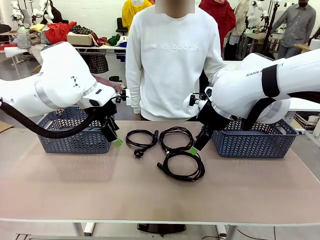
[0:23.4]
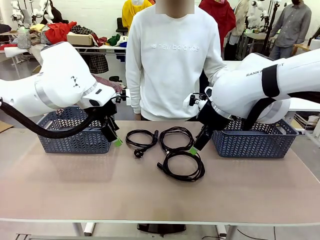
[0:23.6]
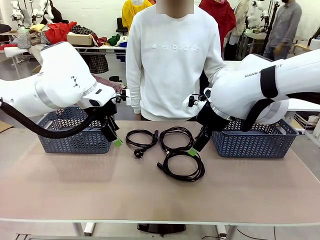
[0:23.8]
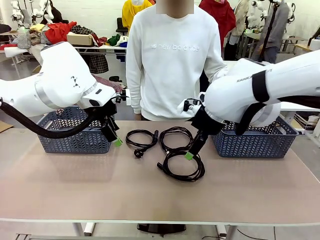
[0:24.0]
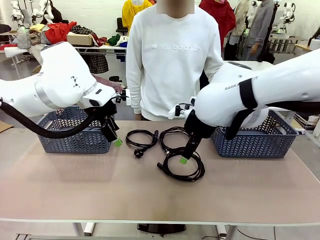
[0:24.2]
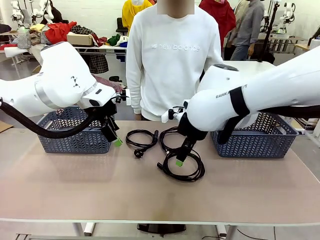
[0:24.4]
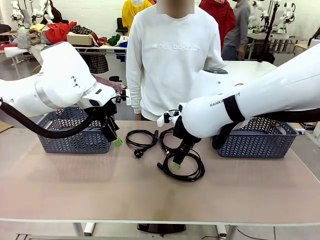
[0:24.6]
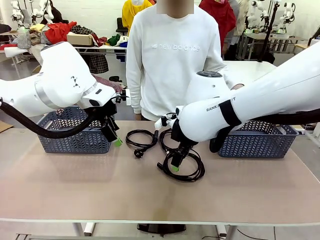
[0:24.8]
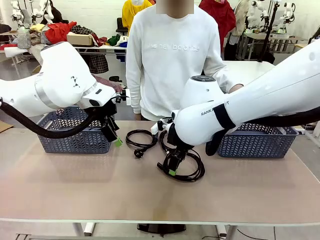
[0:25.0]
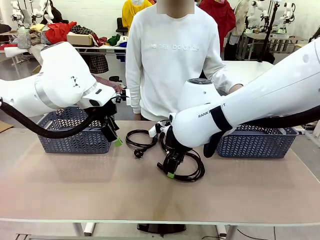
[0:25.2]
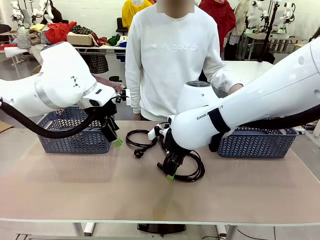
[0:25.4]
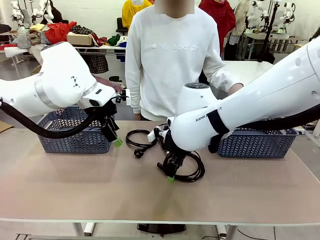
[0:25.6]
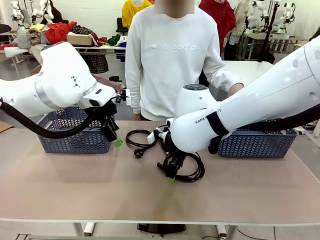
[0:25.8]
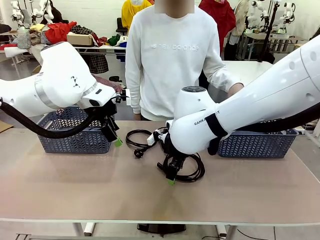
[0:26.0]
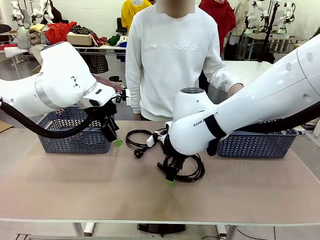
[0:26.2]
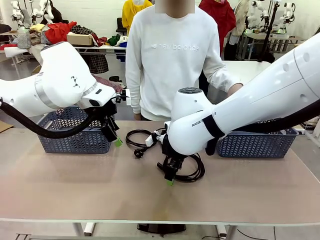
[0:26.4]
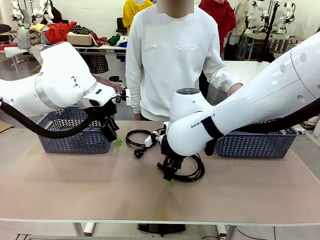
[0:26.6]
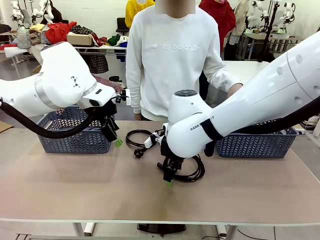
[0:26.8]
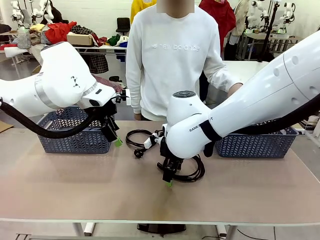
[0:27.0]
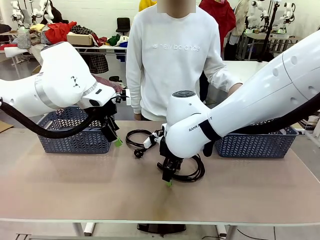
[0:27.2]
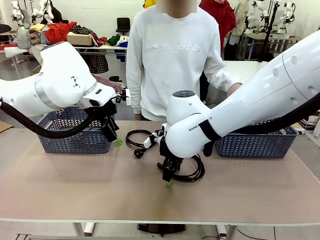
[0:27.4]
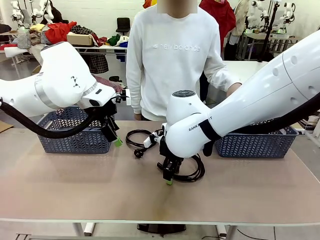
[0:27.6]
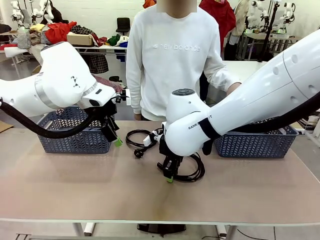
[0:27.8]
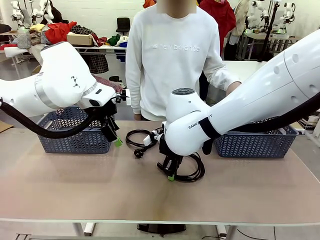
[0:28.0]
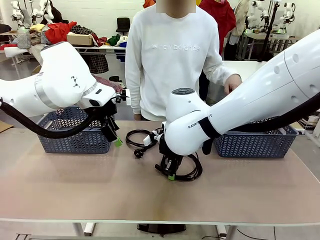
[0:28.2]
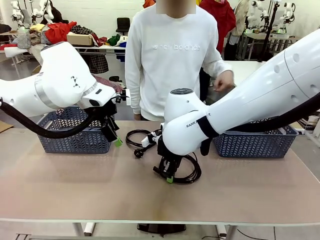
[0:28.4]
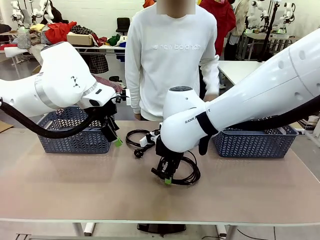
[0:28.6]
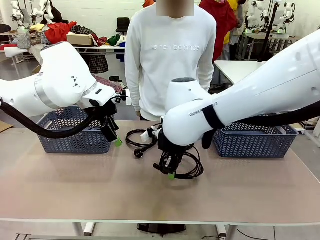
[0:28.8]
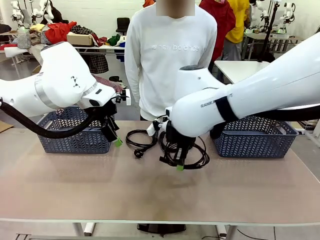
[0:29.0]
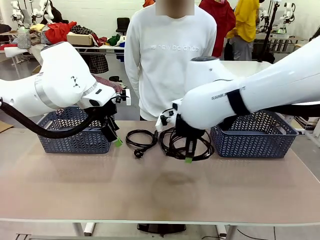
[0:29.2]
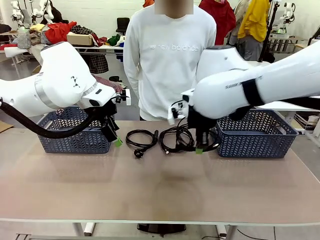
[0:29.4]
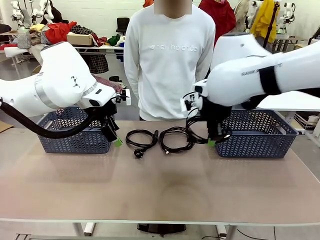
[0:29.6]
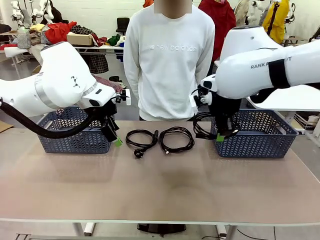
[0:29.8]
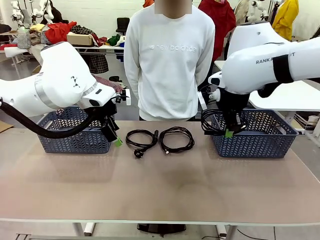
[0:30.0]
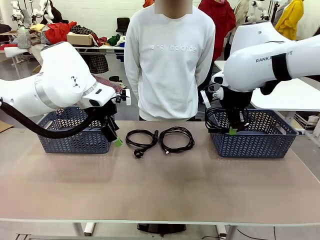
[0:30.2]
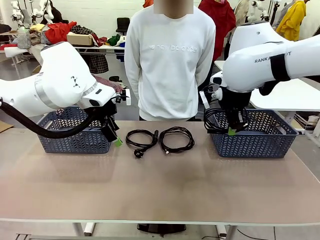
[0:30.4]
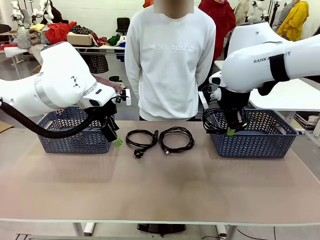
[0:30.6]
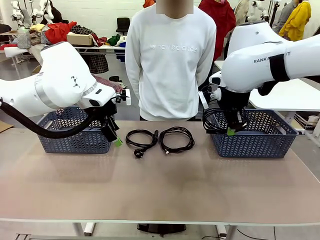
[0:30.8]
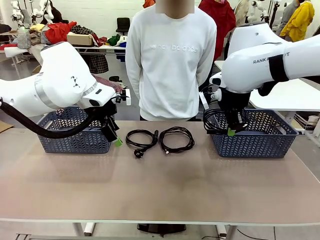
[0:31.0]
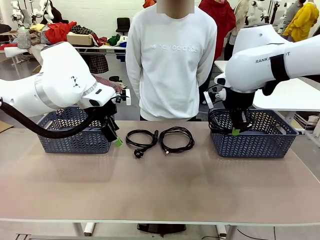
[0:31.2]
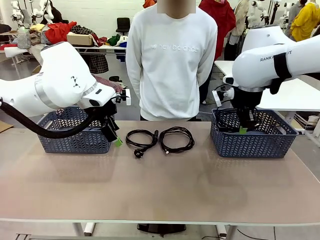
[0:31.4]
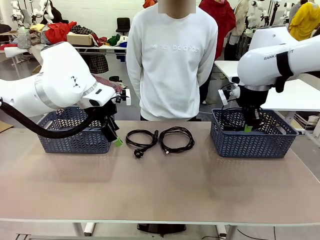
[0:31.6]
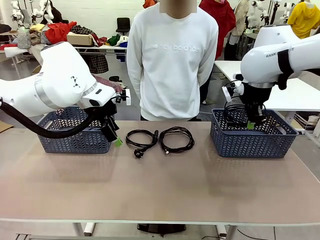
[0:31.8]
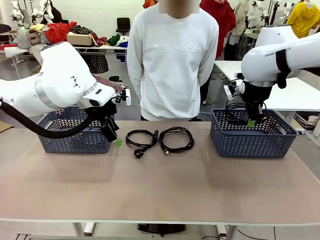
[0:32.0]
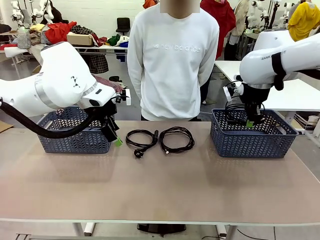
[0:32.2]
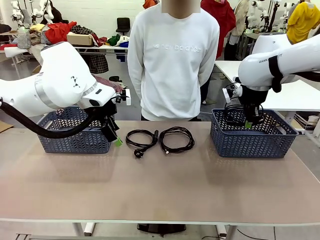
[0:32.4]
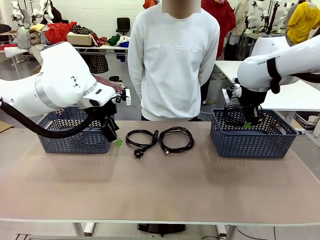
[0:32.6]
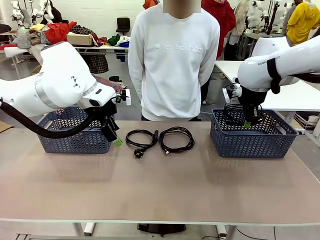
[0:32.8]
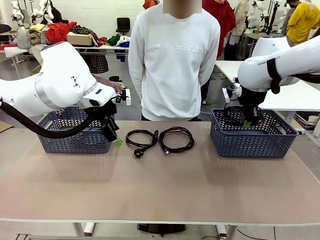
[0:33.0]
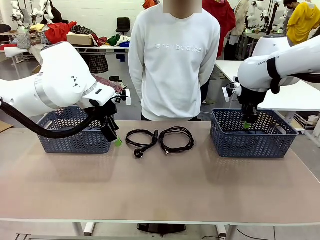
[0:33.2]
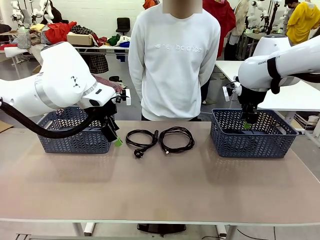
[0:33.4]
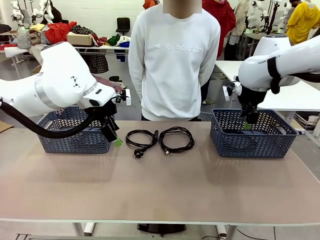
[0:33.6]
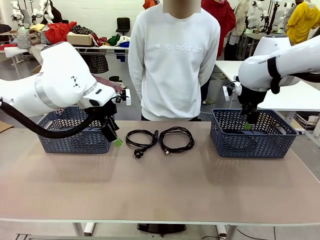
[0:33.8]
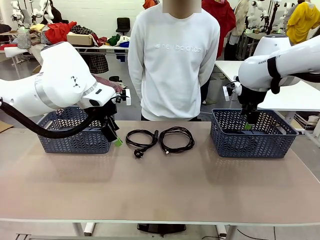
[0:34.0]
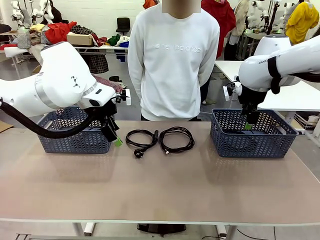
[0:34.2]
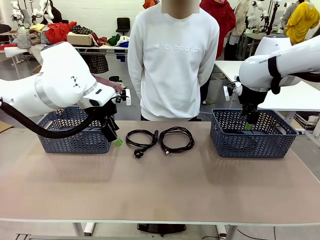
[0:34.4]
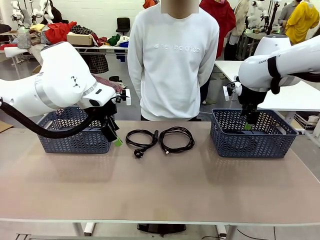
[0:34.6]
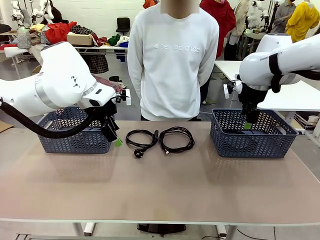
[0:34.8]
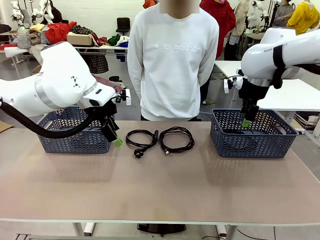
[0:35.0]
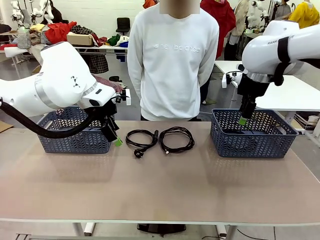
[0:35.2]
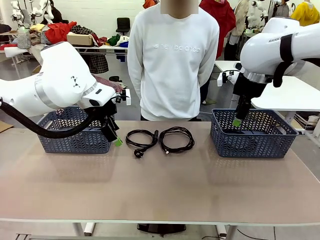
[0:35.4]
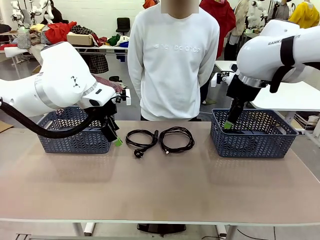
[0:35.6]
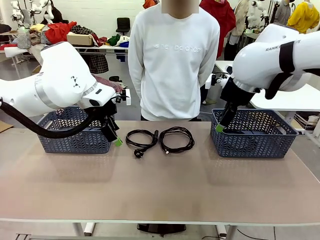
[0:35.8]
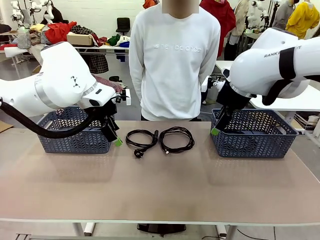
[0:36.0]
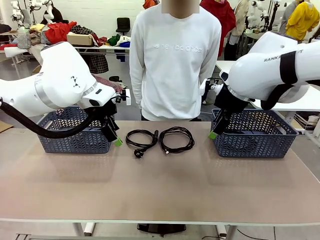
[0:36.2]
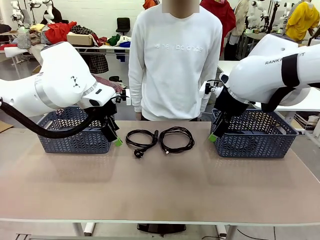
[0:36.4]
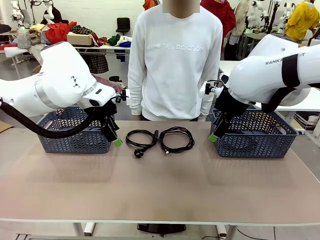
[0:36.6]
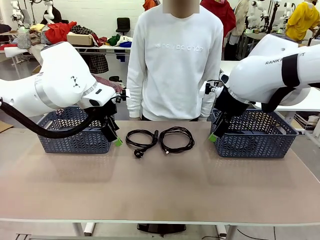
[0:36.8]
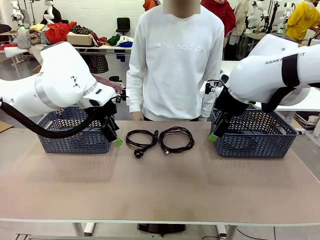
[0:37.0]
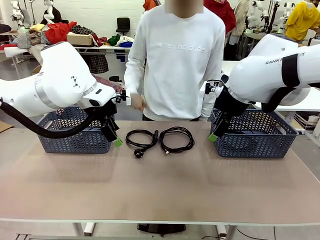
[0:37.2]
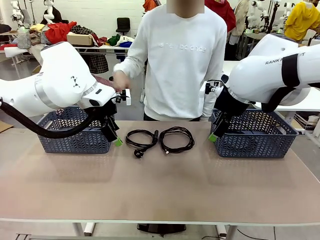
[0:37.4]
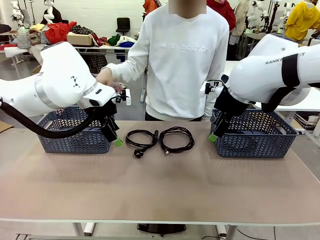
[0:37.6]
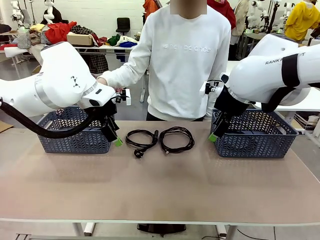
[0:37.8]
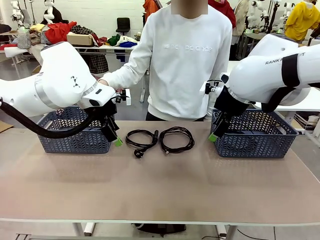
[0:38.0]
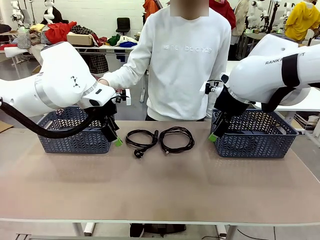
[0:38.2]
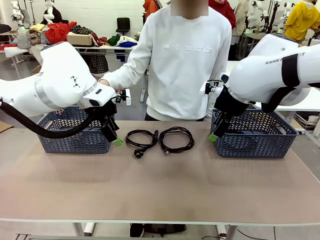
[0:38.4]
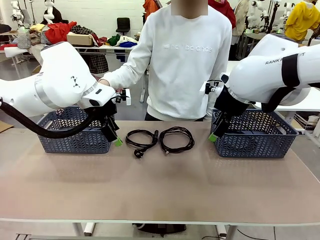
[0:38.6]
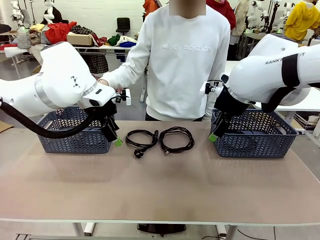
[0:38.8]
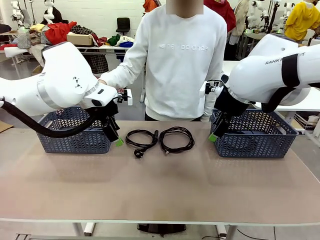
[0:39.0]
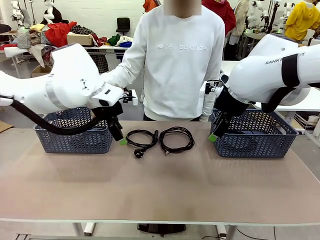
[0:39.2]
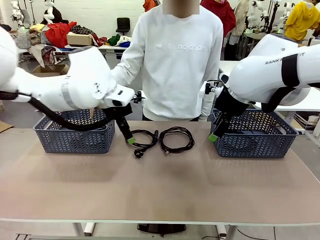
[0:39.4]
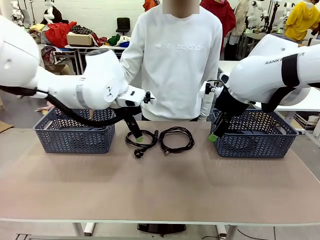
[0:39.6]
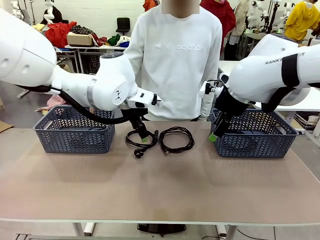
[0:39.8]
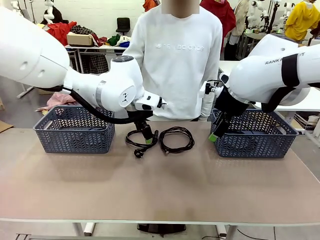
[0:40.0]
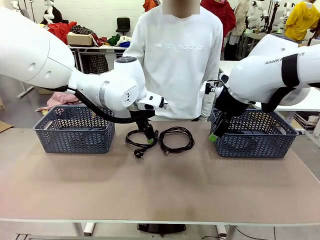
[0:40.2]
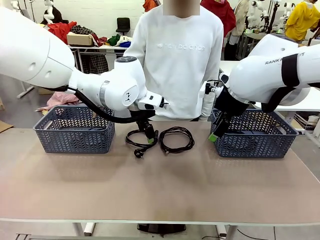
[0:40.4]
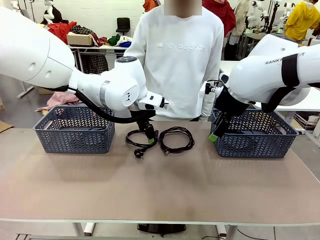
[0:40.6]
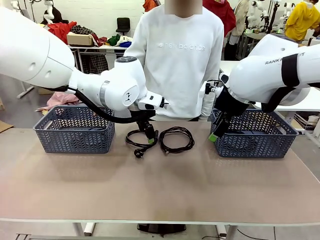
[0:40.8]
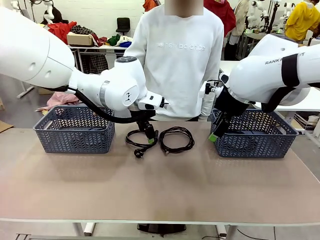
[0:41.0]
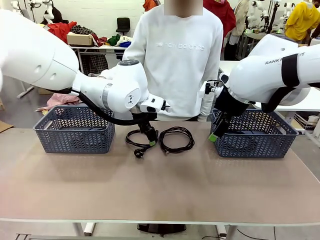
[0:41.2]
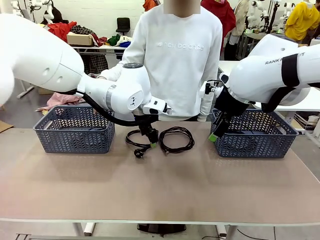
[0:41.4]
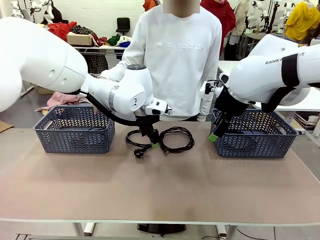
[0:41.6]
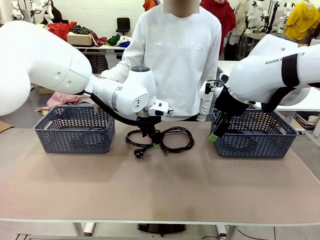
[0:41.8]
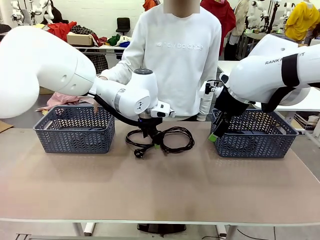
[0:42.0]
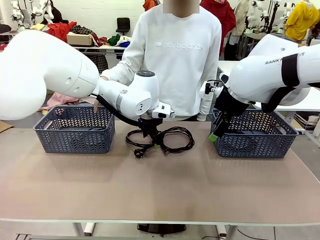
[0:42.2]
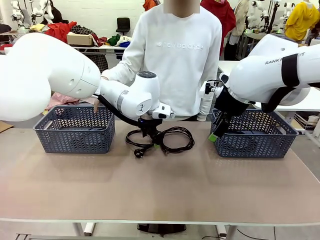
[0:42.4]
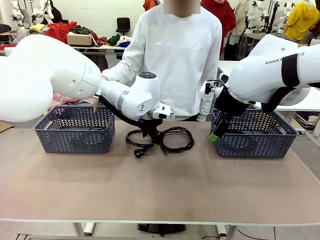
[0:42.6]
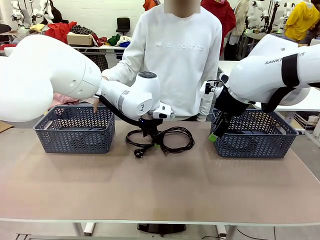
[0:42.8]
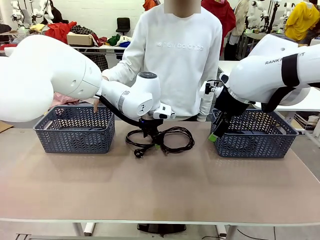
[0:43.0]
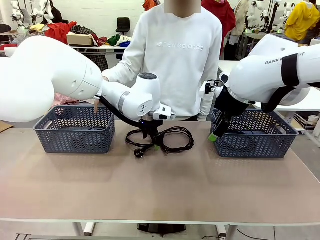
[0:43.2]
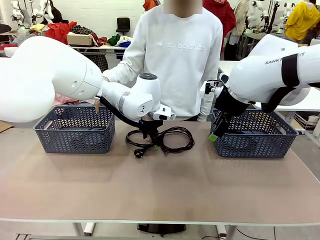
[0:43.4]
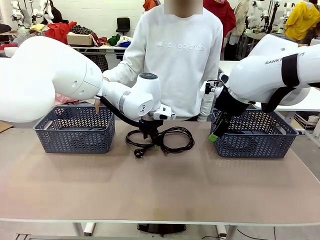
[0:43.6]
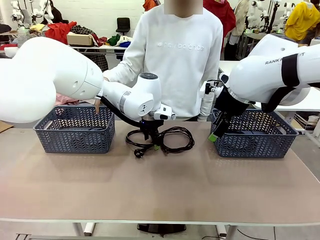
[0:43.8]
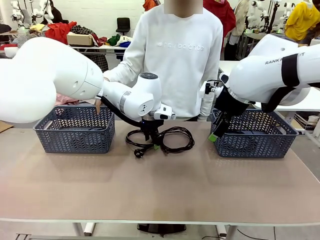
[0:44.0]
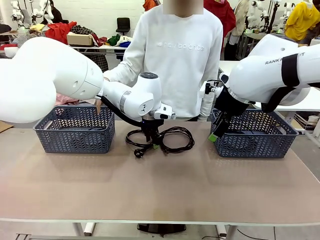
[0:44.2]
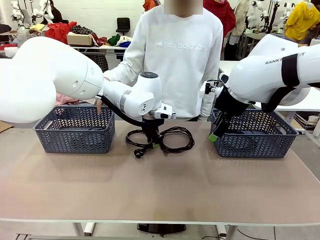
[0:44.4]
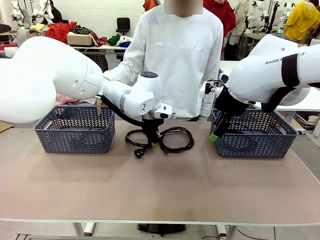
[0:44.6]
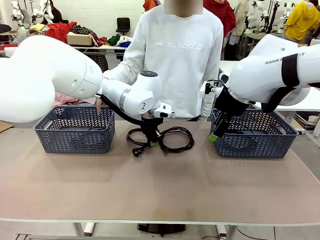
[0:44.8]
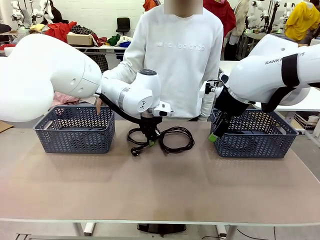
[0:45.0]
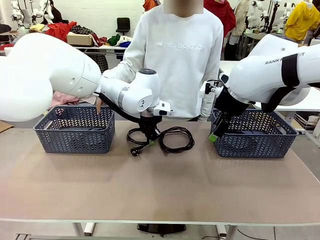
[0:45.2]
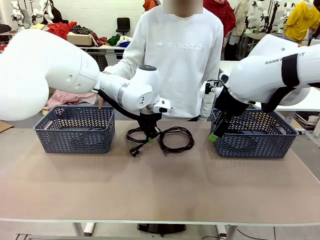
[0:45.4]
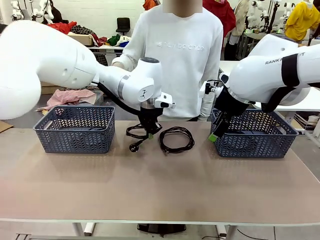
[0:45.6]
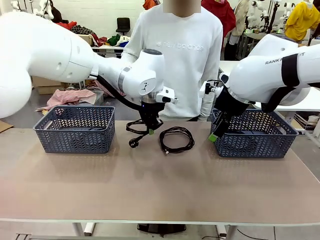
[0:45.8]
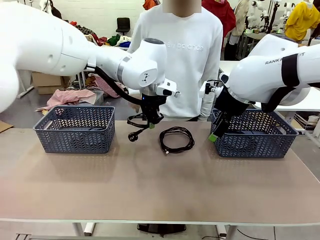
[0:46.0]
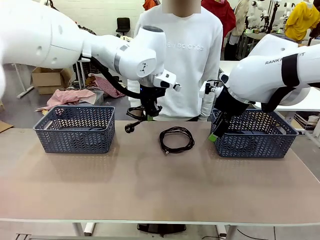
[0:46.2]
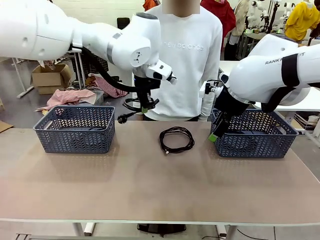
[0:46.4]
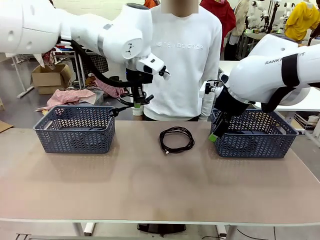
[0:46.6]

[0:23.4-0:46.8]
Task: Organize the cables according to human instructions.
Robot: Pick up a bundle of cables and place it in the basket indicated by the human.
